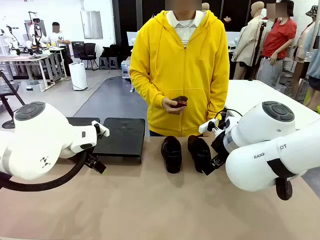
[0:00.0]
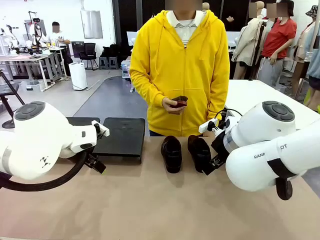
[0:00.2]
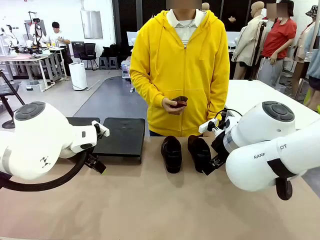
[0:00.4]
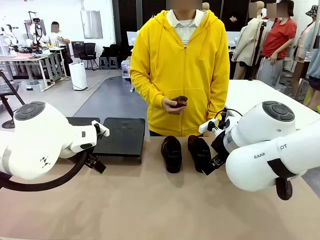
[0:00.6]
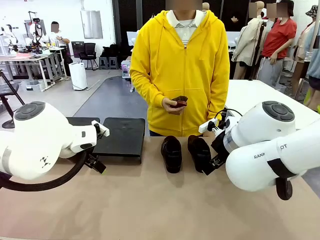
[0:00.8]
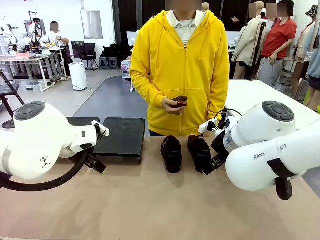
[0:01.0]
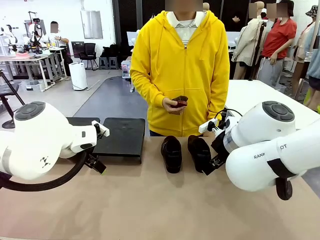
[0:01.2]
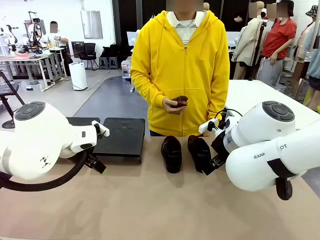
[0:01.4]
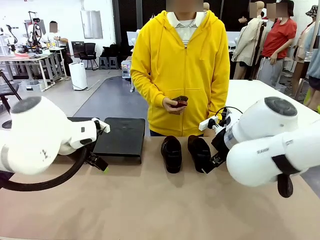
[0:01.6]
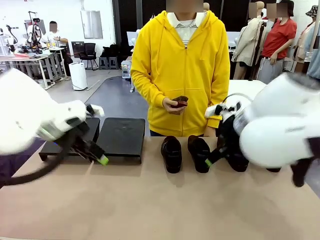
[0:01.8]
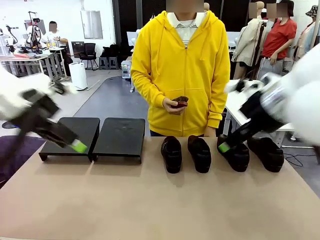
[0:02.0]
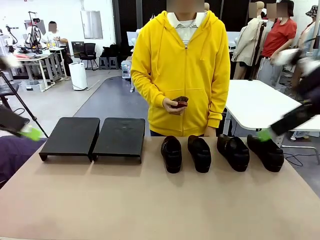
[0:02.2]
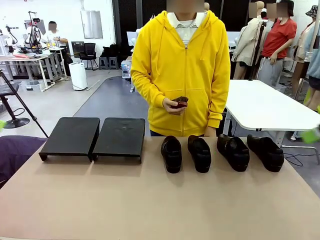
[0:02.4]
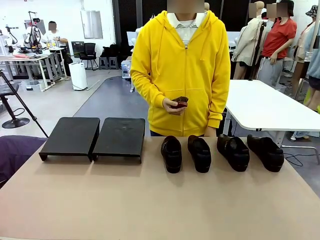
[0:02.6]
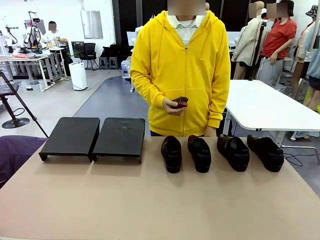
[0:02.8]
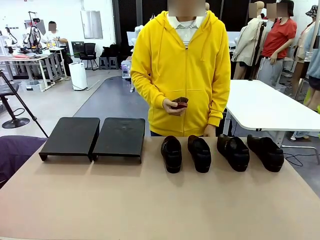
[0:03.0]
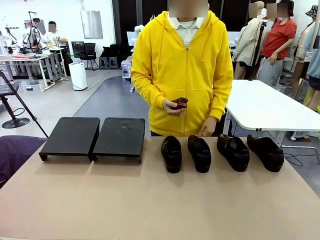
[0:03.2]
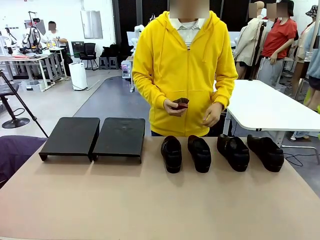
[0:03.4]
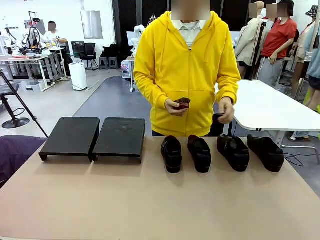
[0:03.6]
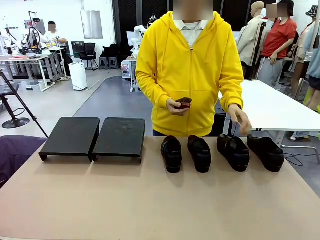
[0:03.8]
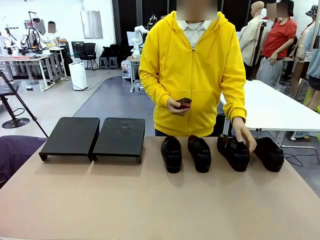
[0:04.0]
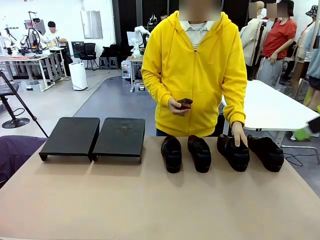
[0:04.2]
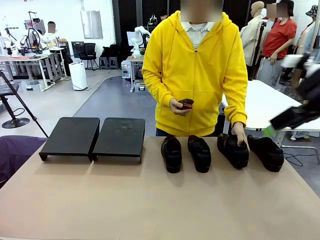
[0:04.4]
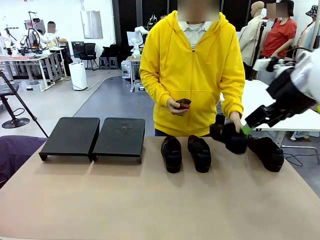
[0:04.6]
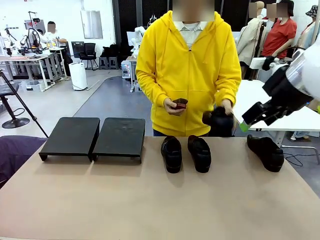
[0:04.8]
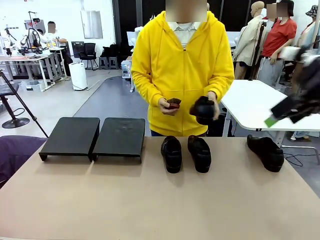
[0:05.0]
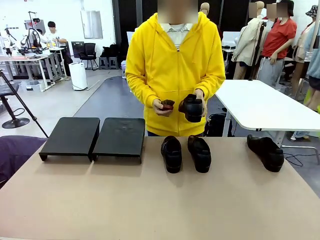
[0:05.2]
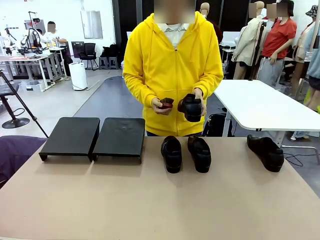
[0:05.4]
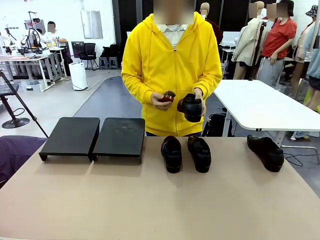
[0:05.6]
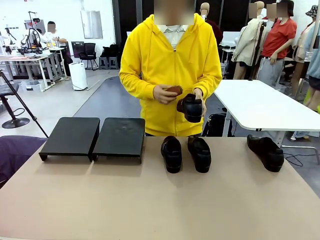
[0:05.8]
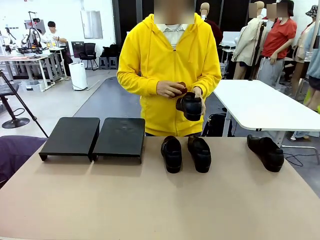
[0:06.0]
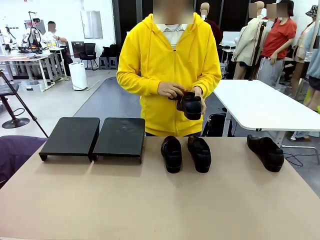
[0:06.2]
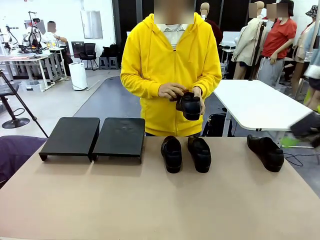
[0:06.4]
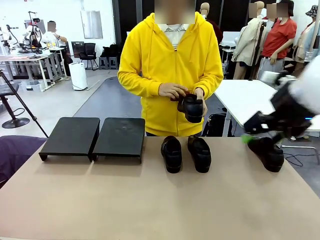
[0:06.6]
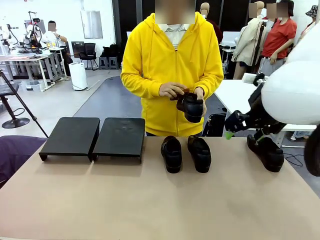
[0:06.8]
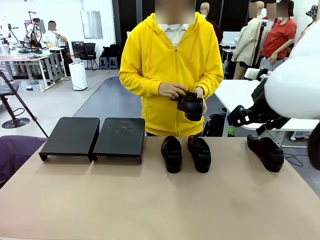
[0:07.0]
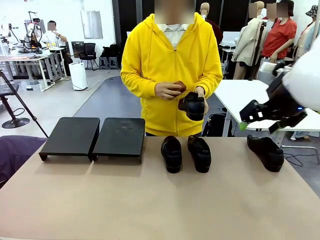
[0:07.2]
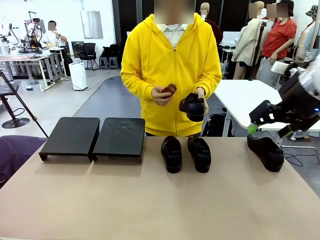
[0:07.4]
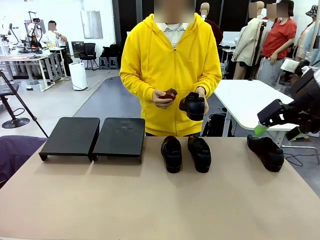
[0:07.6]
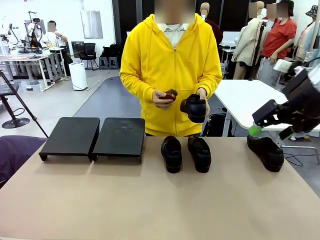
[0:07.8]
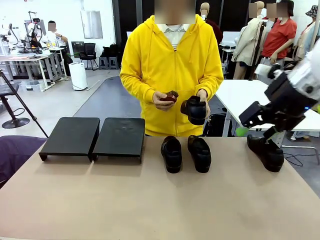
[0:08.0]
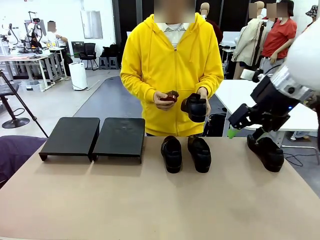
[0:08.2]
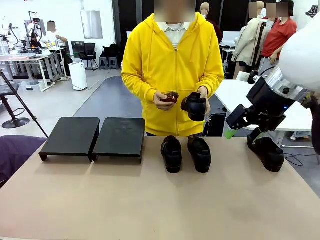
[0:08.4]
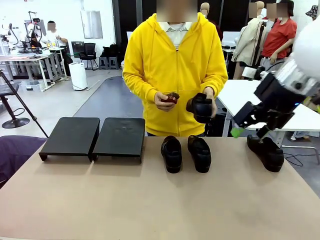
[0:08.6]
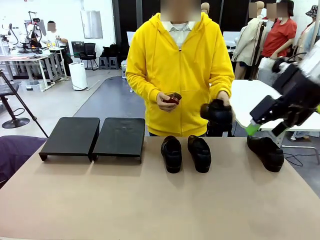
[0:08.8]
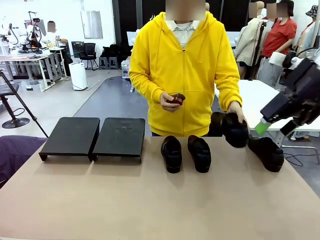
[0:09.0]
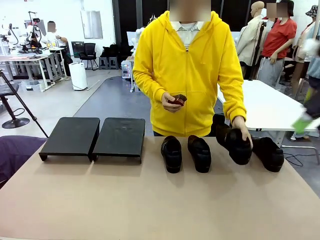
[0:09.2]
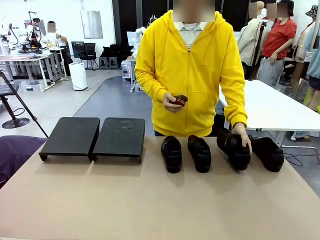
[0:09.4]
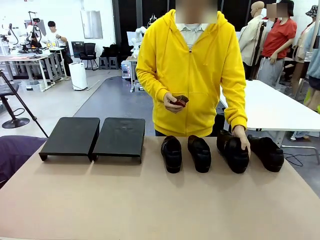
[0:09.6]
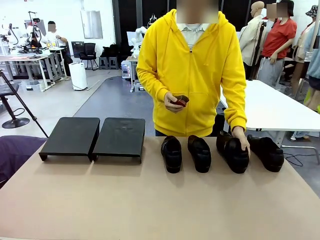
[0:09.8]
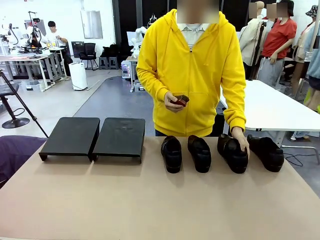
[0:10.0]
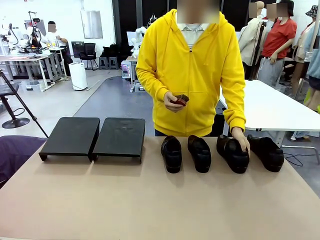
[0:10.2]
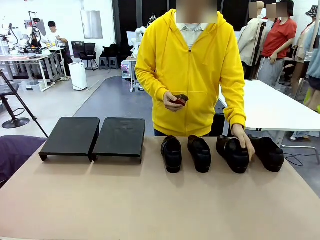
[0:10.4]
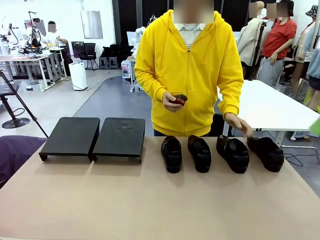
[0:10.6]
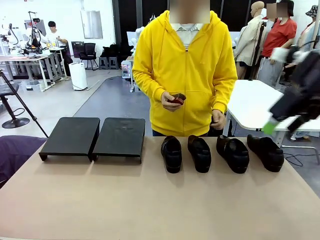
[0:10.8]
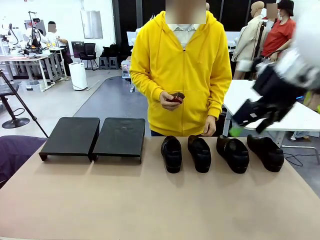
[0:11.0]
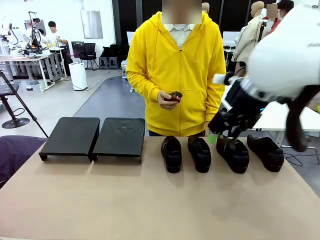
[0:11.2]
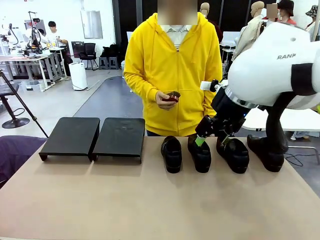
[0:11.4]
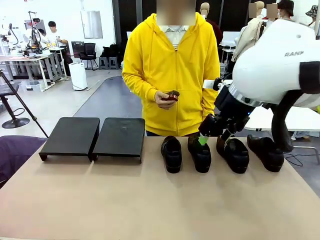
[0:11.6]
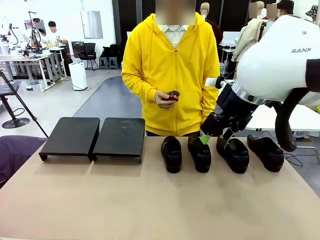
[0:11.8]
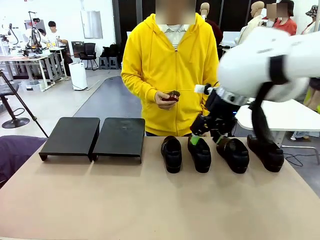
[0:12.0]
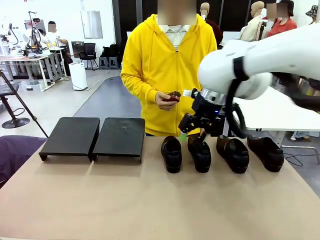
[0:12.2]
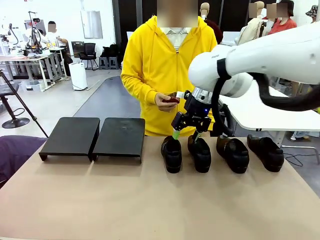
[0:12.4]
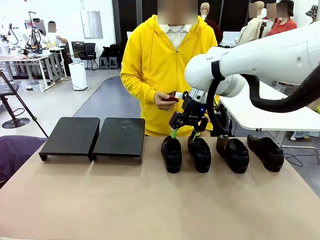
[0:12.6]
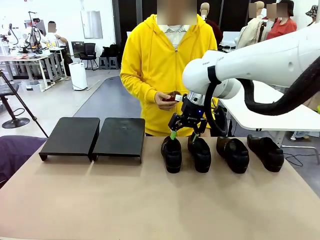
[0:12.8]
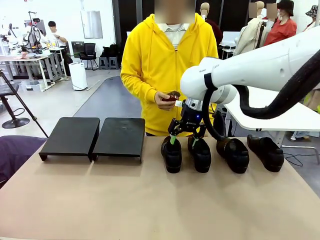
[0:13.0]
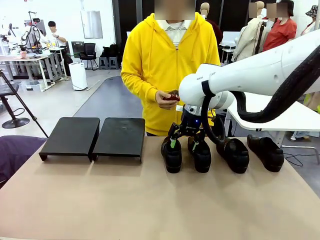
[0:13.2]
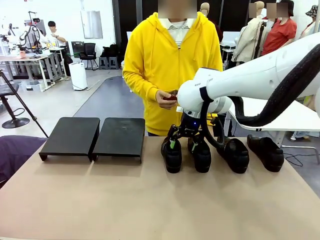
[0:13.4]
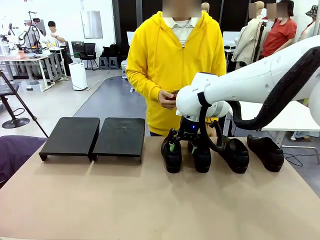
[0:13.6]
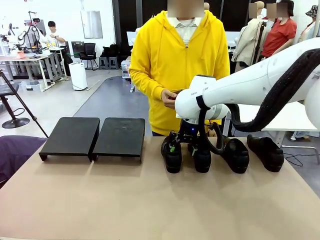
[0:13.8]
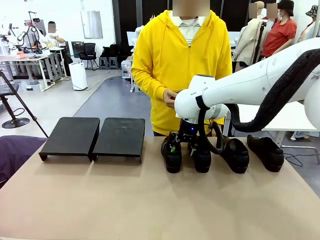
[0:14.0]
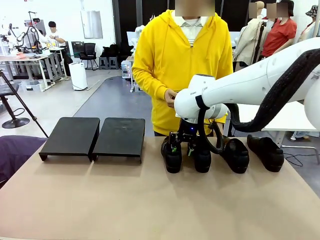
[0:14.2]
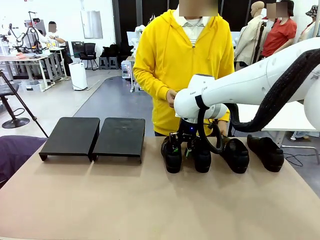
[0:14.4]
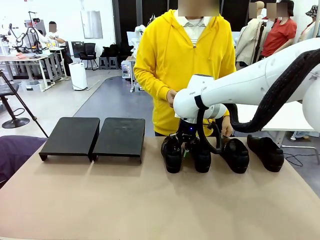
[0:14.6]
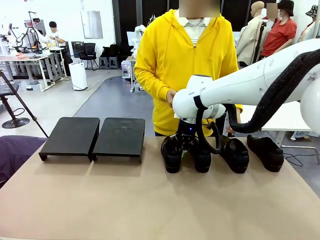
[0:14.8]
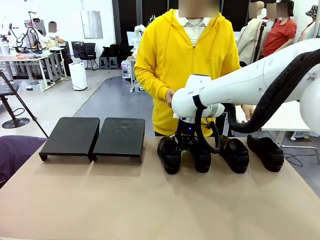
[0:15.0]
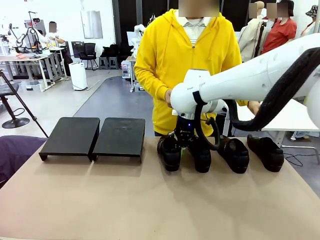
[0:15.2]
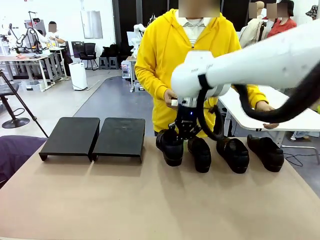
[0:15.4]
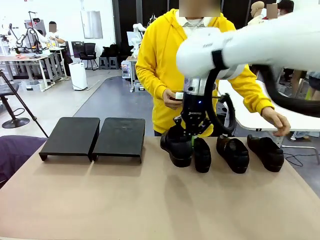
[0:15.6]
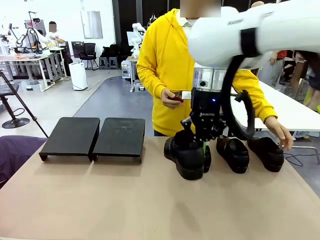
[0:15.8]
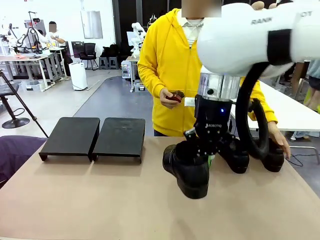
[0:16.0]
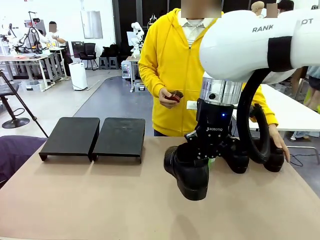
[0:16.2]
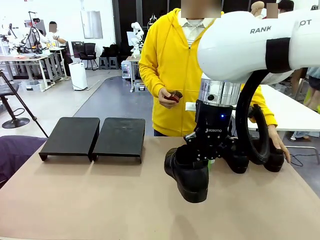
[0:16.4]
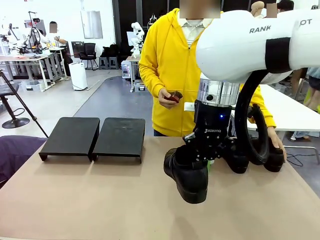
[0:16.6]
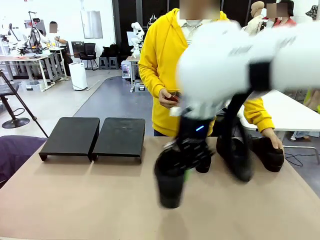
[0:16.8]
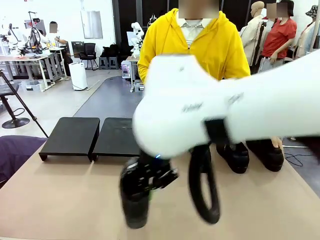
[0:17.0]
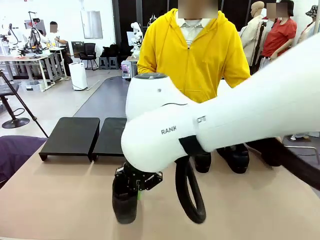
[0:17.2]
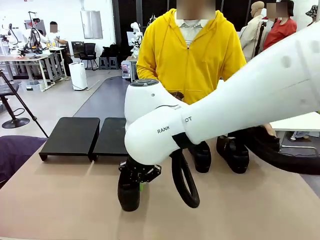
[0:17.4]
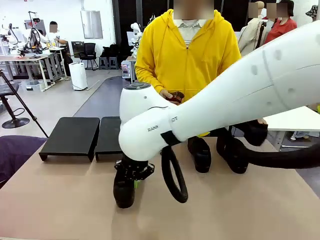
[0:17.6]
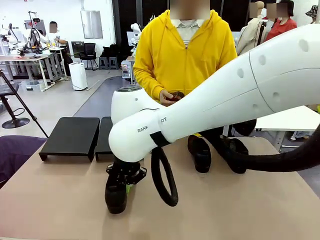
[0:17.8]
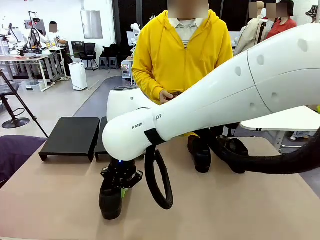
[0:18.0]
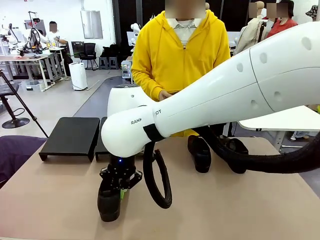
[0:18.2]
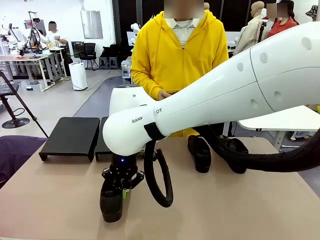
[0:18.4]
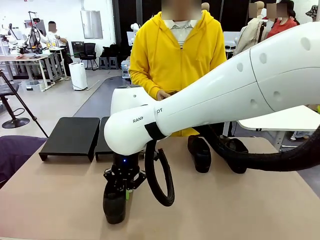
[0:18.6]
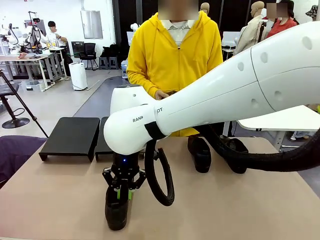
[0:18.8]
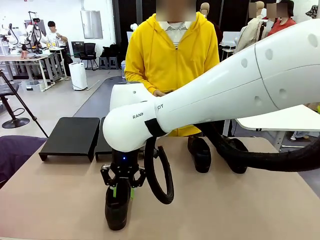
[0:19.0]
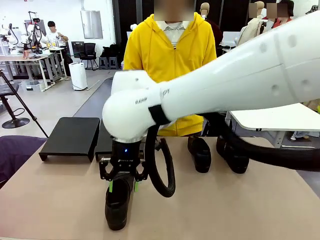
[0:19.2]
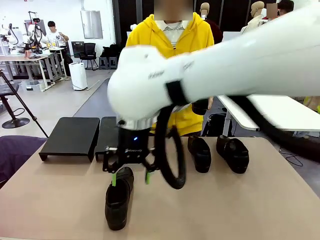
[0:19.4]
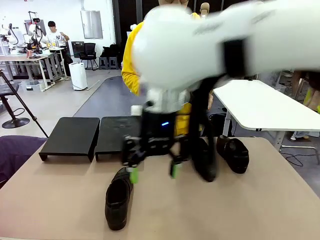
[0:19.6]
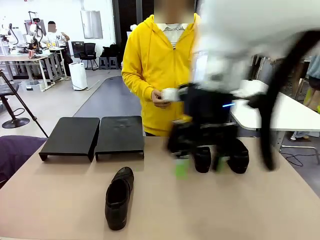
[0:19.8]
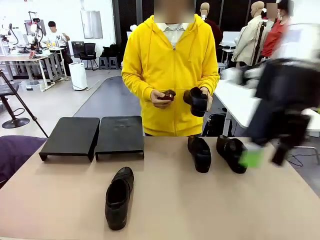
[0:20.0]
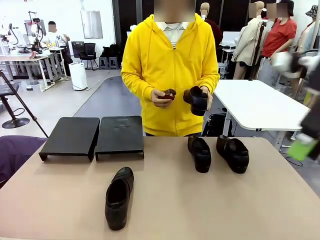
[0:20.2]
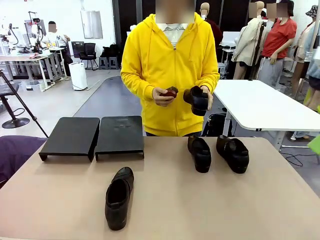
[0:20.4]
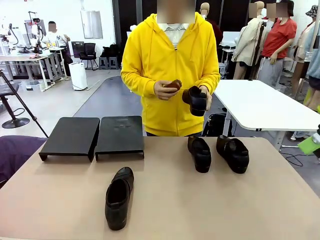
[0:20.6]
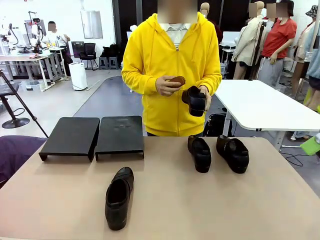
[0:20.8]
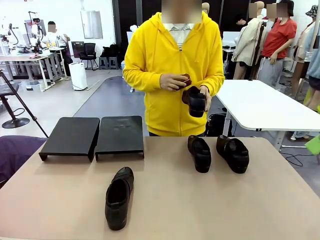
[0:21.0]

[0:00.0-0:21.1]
Task: Organize the shoes by placing them on the stand.
Robot: Pick up one Shoe and place it in the middle of the table.
Person: Pick one Shoe on Robot's table. Clean the Shoe with the Shoe Brush. Place the Shoe on left side of the Robot's table. Pick one Shoe on Robot's table.
